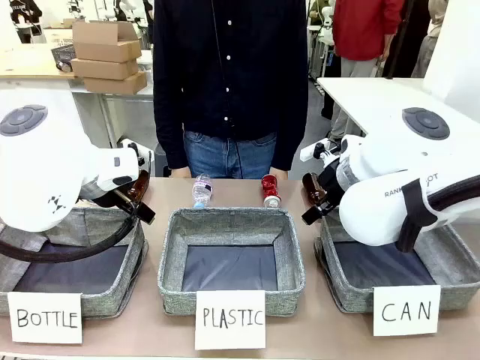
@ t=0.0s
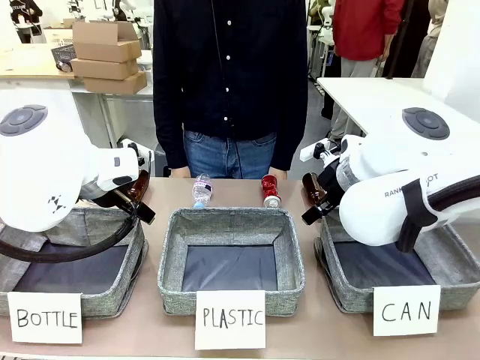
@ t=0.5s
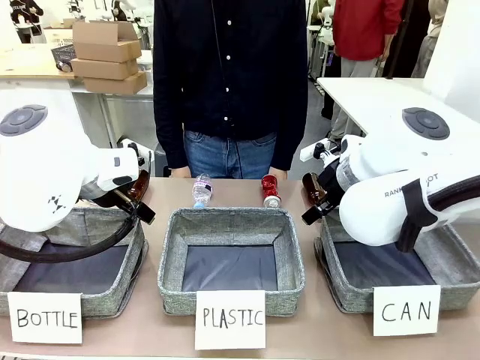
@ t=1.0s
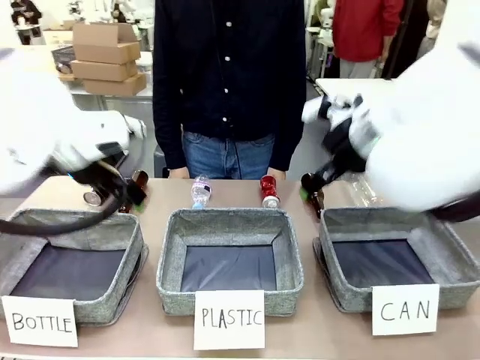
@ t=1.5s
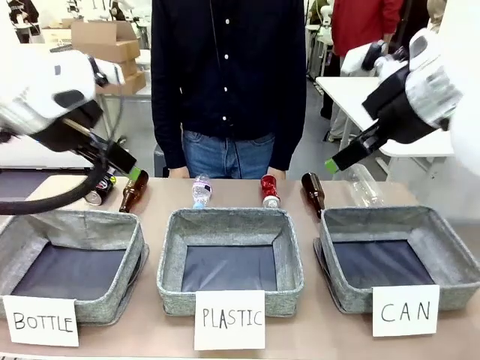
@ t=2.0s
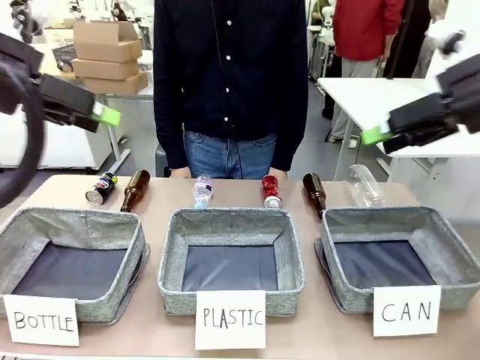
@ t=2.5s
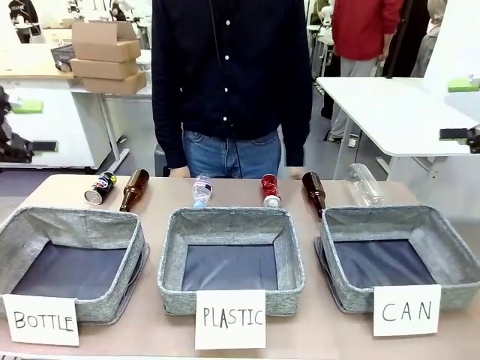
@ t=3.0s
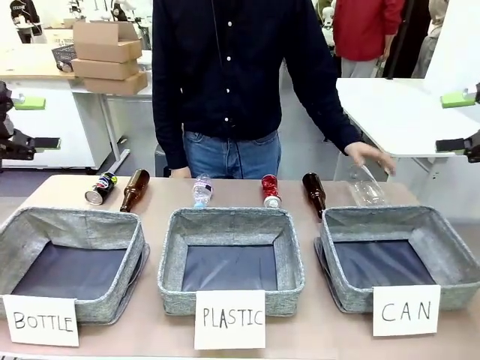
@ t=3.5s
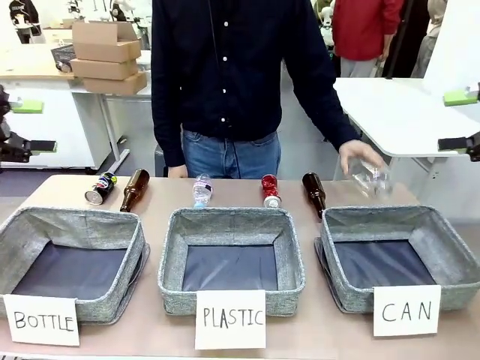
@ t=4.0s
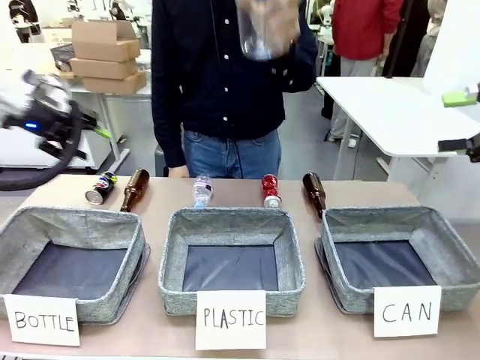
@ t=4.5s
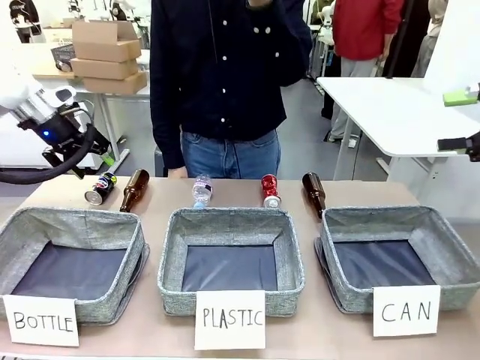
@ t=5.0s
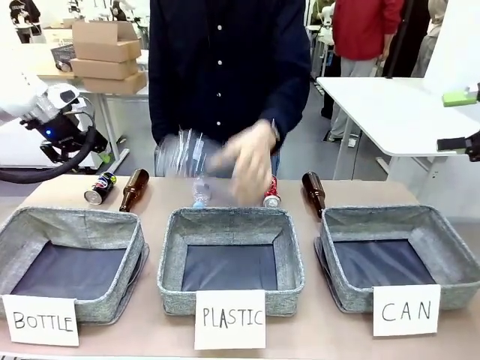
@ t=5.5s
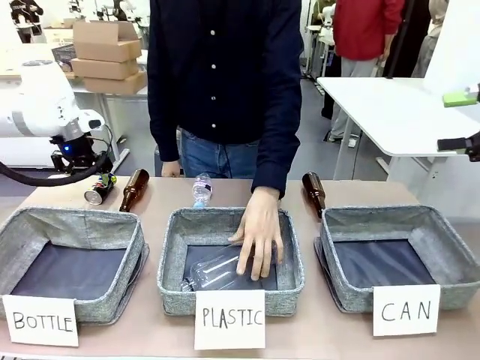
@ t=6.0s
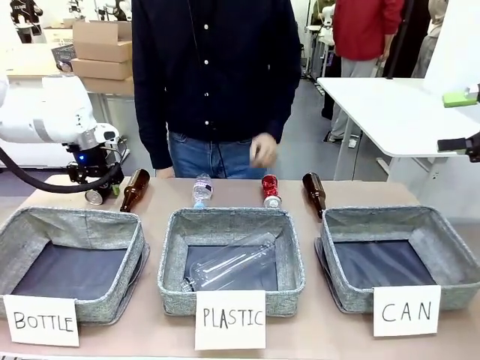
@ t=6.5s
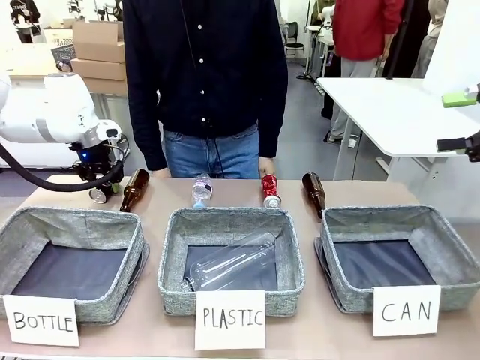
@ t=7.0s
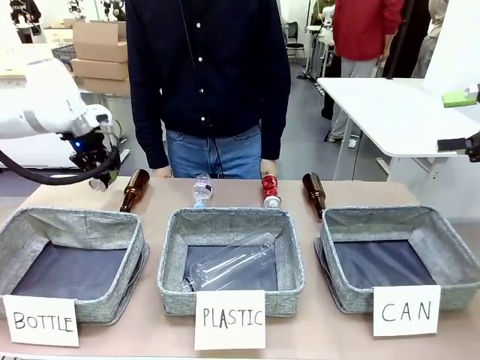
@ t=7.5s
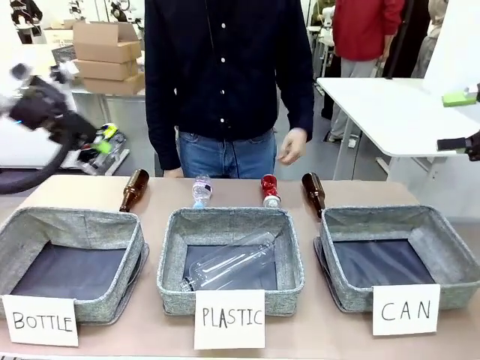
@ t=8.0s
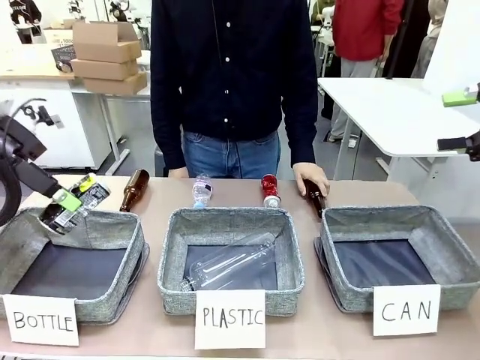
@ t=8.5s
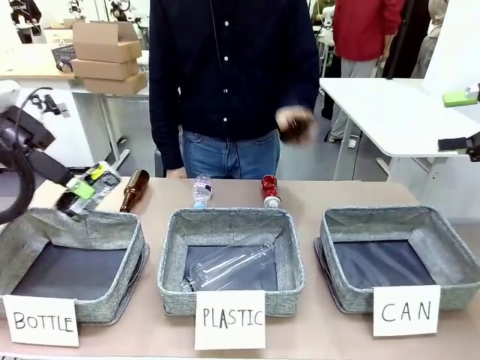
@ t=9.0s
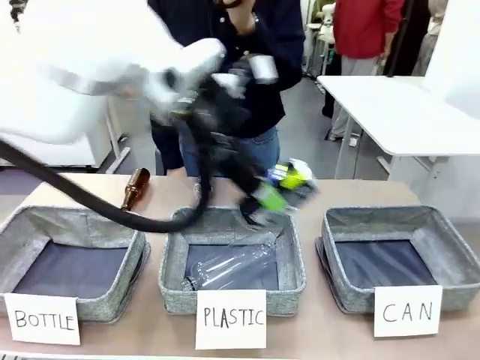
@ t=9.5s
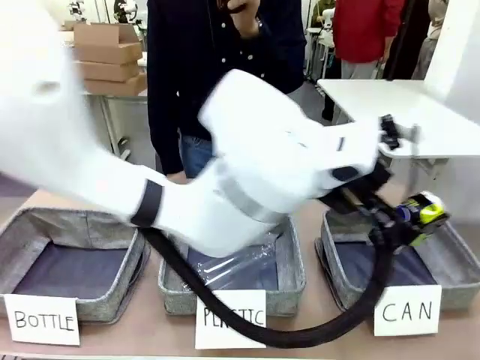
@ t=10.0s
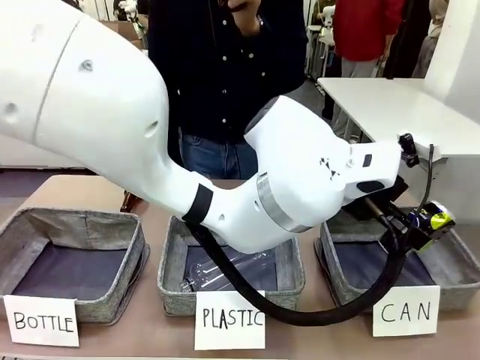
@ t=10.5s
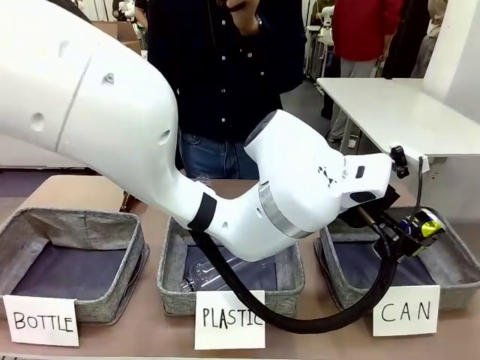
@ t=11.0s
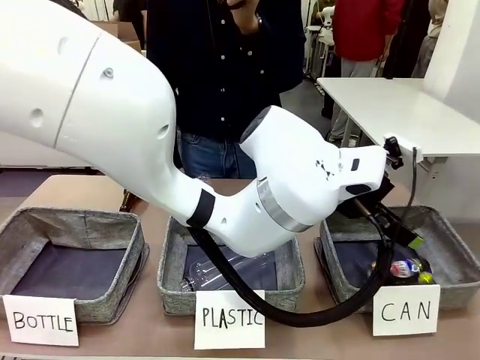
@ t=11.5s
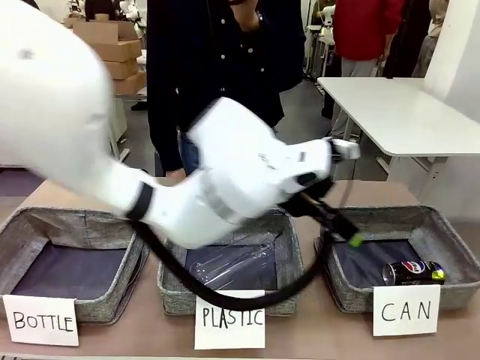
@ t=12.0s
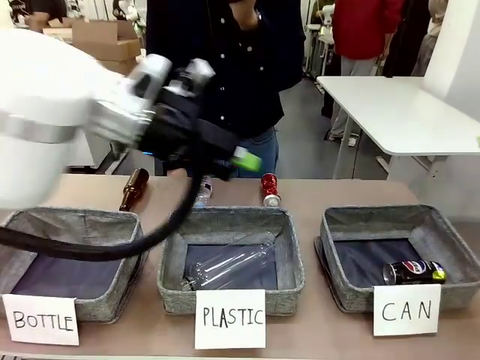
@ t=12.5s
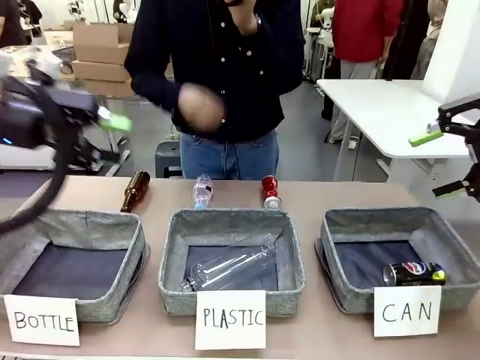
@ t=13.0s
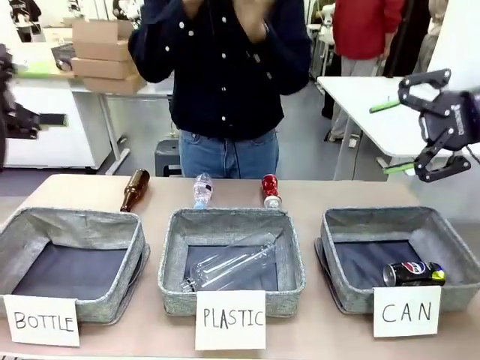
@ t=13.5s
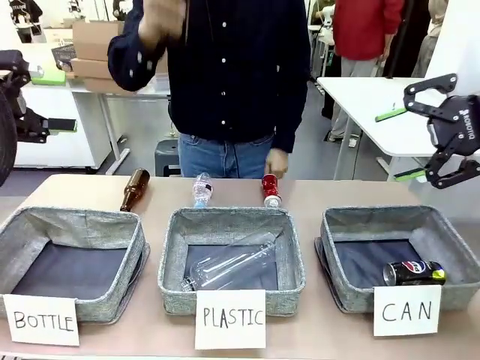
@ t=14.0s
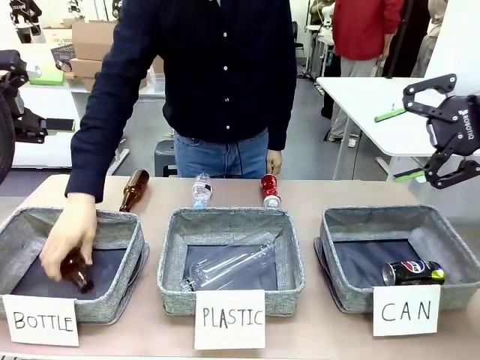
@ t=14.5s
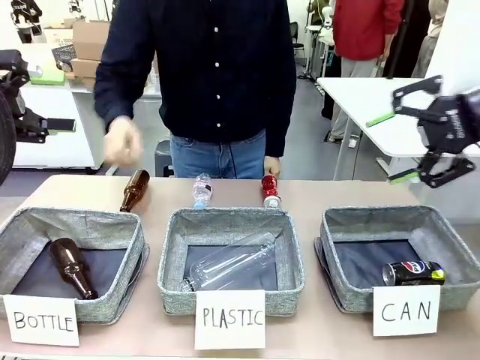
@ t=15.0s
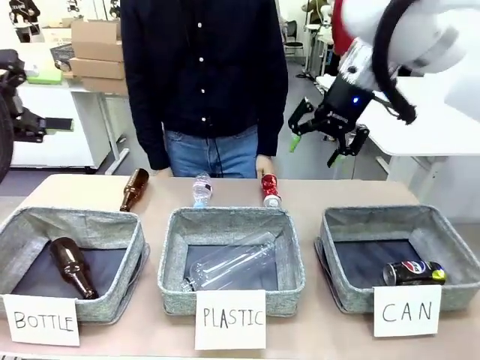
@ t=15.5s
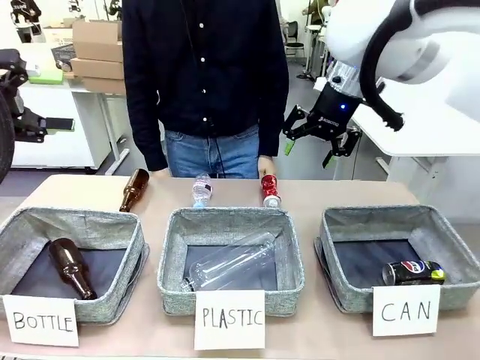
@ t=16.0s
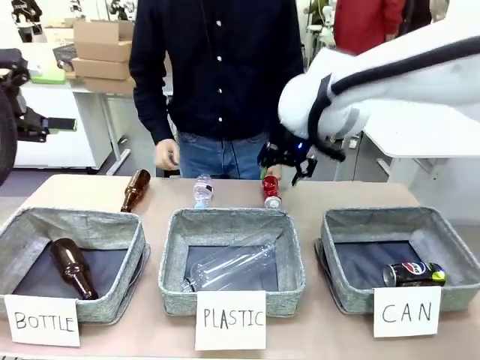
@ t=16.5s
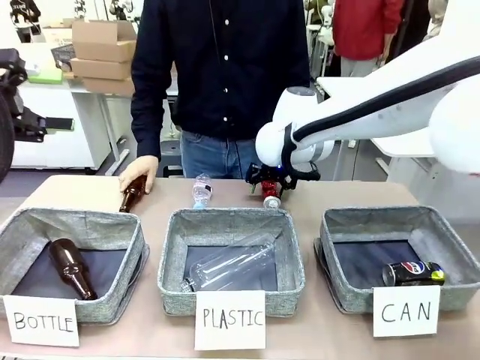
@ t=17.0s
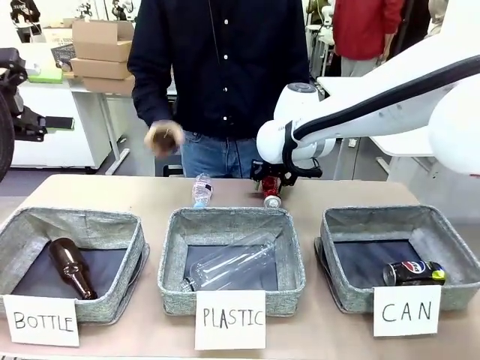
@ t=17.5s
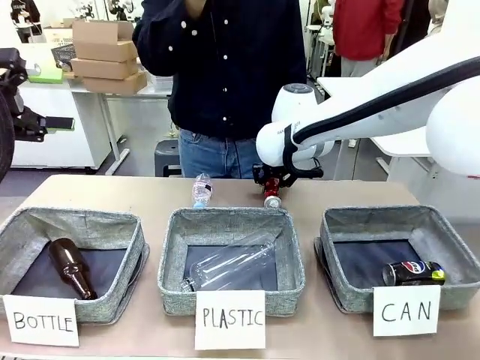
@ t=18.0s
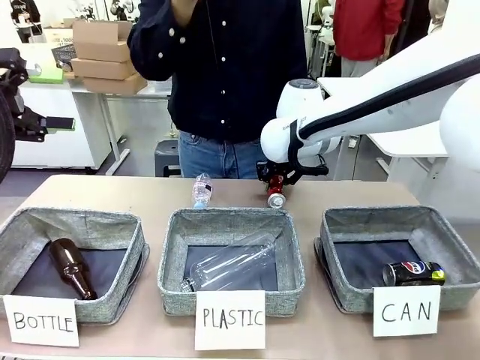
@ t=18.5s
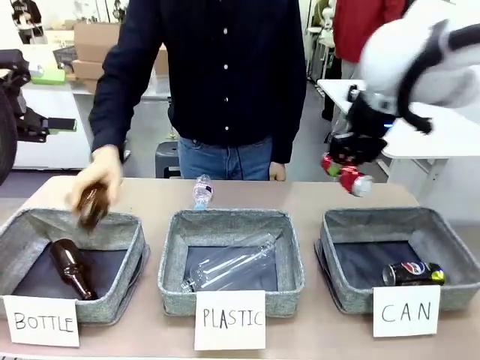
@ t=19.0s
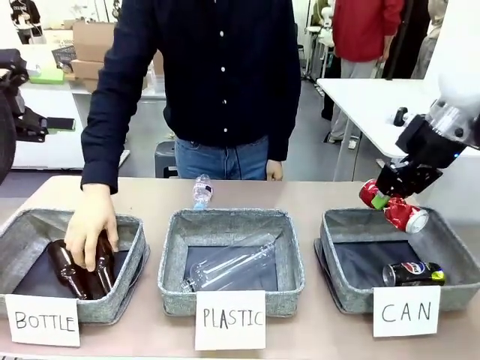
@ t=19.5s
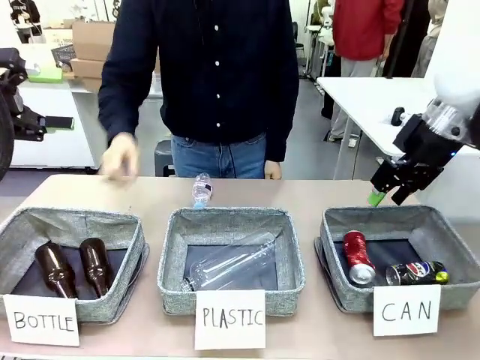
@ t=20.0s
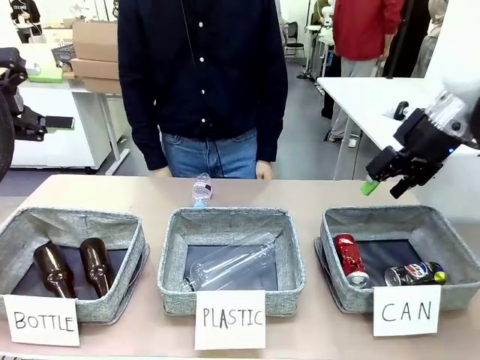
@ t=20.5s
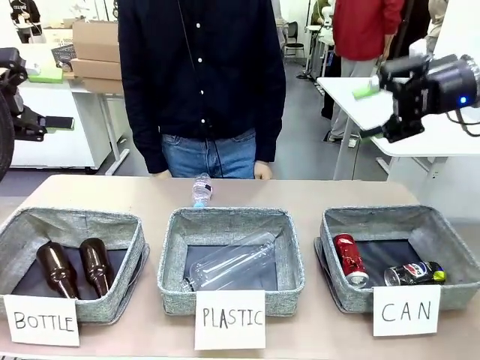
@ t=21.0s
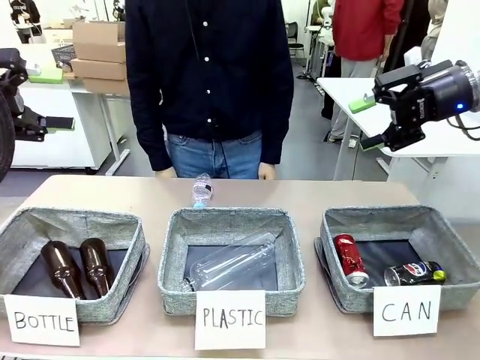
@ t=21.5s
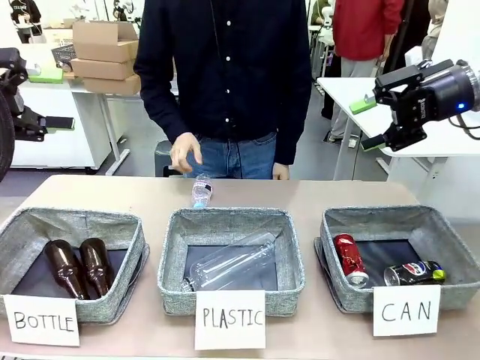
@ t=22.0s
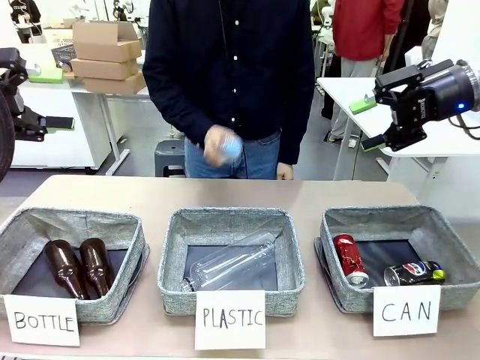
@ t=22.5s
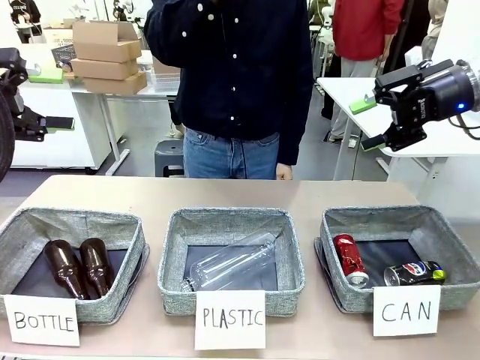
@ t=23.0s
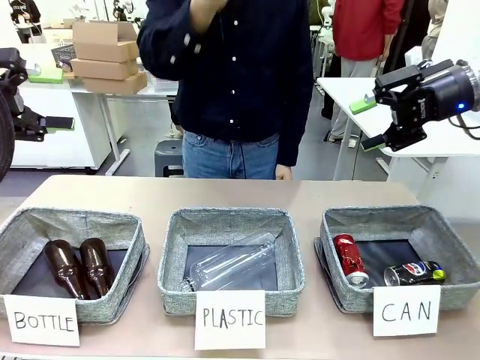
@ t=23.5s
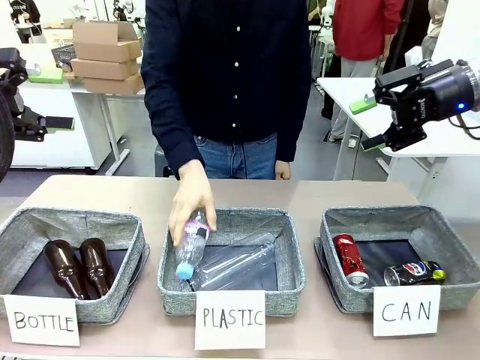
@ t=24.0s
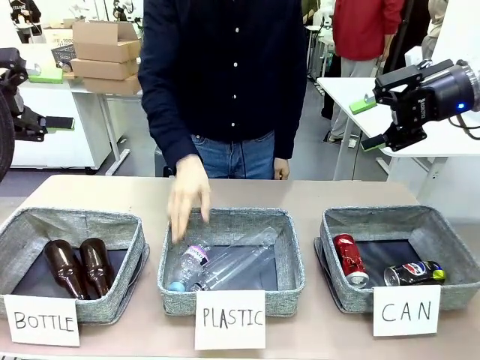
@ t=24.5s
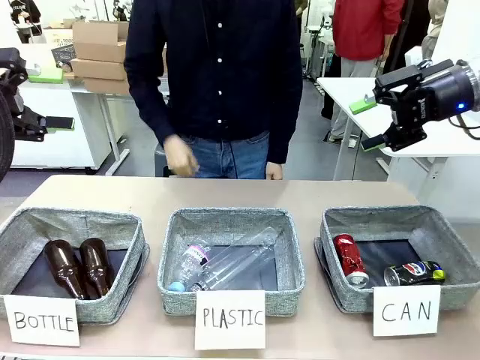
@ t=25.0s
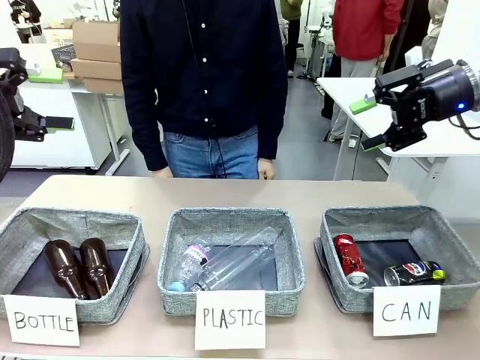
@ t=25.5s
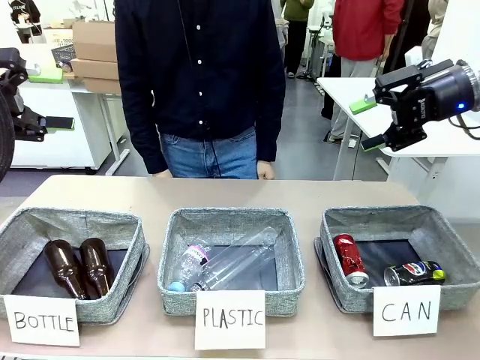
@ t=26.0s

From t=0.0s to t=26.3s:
Task: Sort the can waste into the basket.
Robot: Pick up the can waste from the table and place it in the right Fabric basket.
Person: The human picks up one piece of trash that is not a can and places the trash into the appropriate organizing basket.
